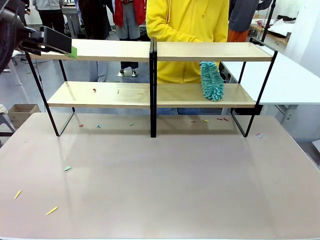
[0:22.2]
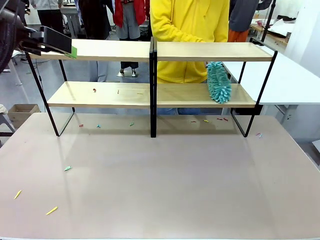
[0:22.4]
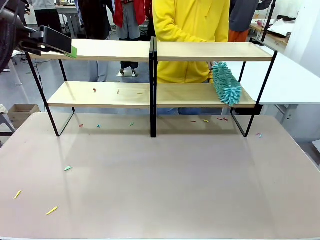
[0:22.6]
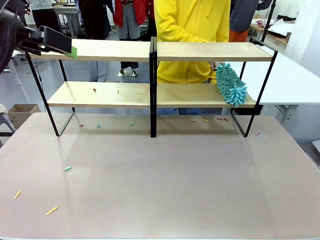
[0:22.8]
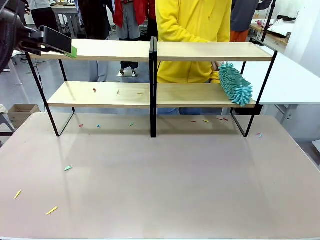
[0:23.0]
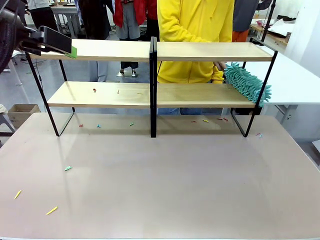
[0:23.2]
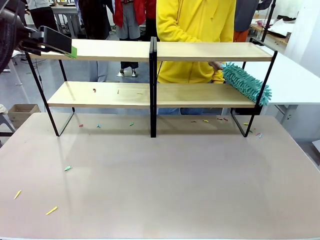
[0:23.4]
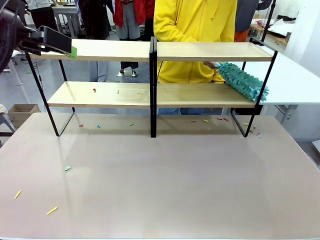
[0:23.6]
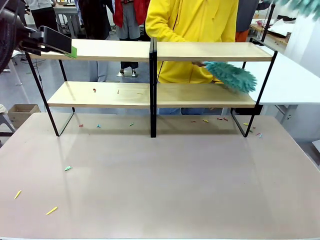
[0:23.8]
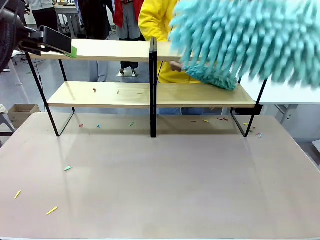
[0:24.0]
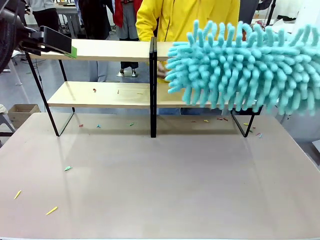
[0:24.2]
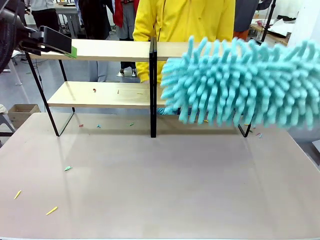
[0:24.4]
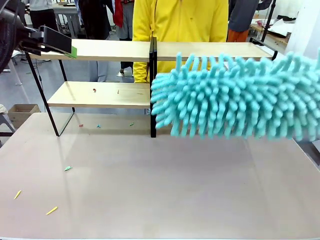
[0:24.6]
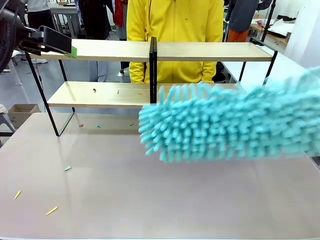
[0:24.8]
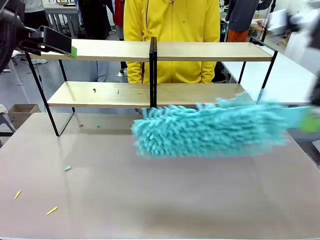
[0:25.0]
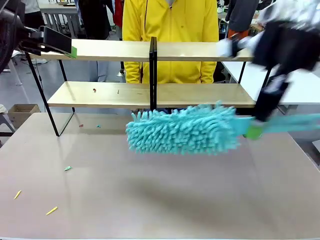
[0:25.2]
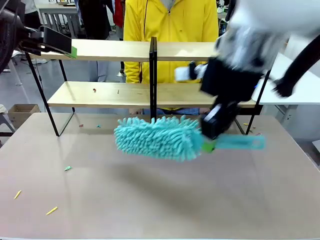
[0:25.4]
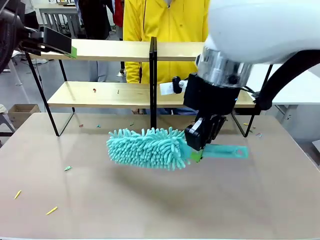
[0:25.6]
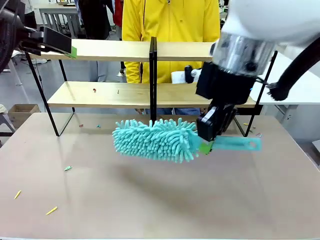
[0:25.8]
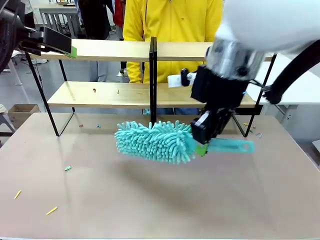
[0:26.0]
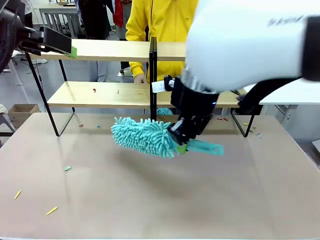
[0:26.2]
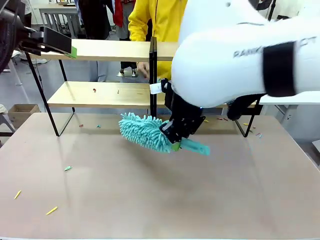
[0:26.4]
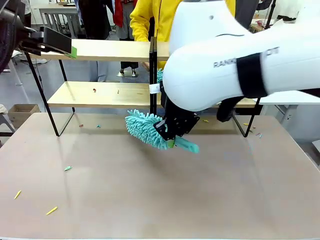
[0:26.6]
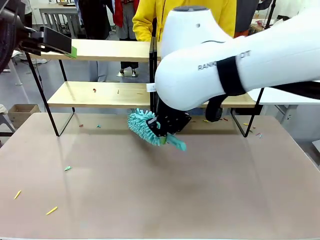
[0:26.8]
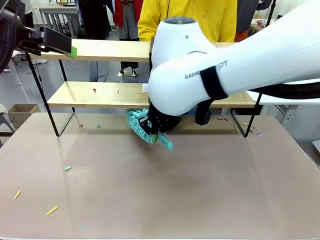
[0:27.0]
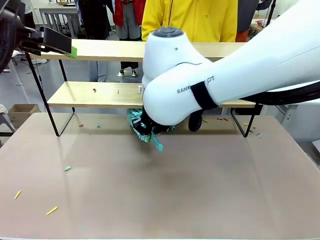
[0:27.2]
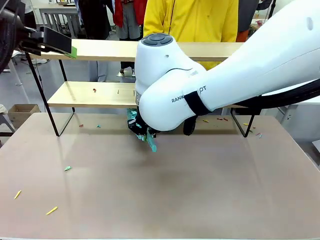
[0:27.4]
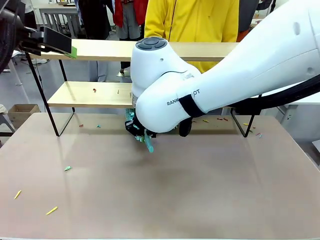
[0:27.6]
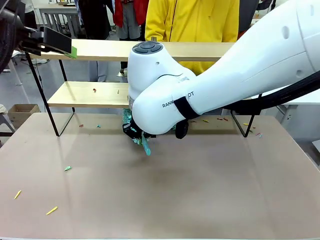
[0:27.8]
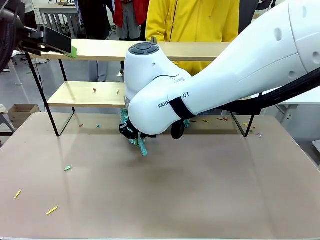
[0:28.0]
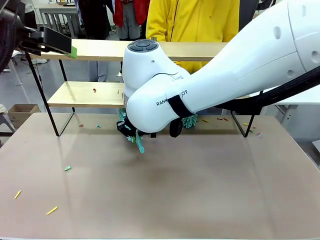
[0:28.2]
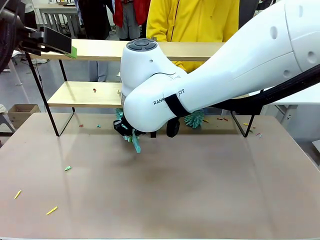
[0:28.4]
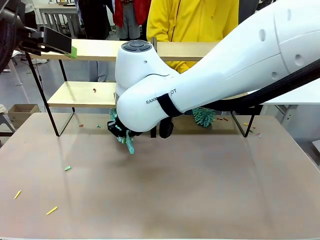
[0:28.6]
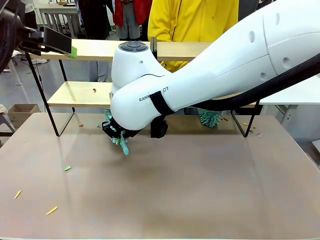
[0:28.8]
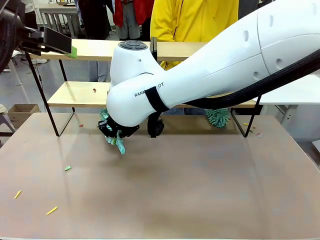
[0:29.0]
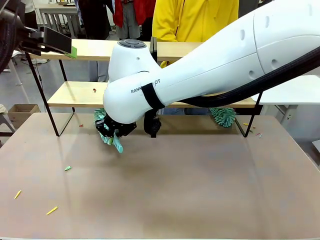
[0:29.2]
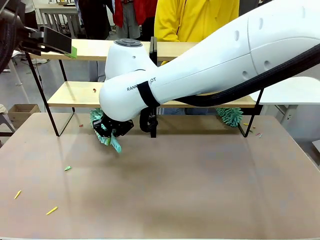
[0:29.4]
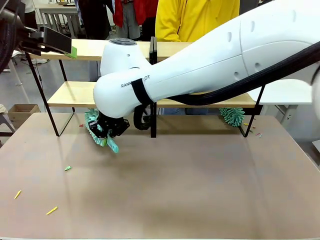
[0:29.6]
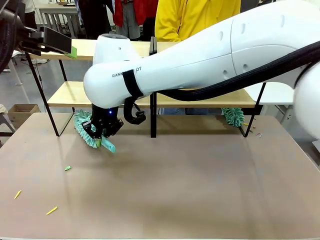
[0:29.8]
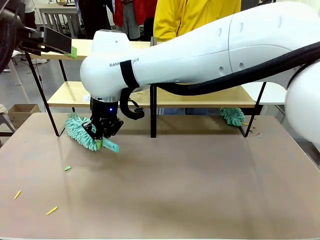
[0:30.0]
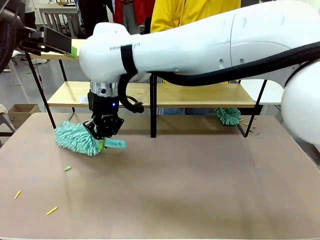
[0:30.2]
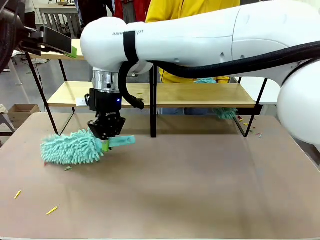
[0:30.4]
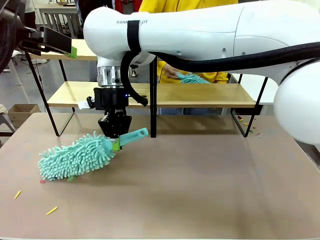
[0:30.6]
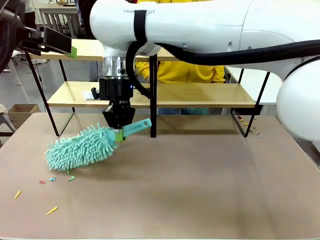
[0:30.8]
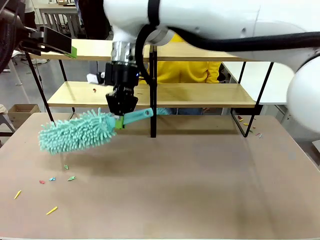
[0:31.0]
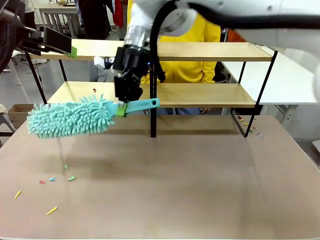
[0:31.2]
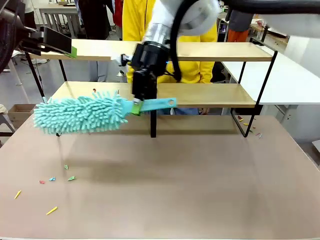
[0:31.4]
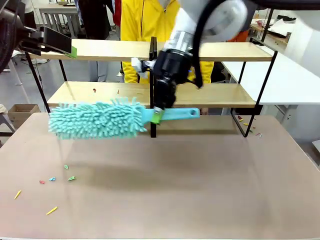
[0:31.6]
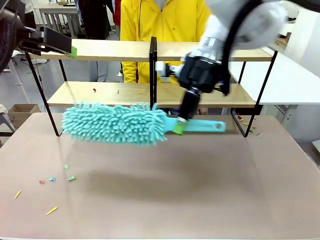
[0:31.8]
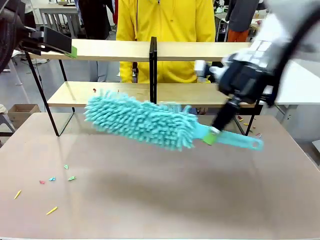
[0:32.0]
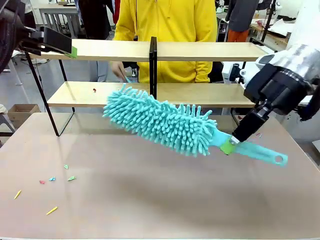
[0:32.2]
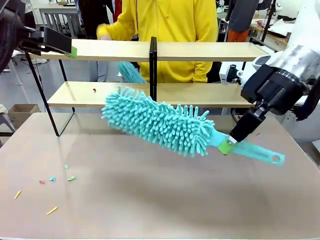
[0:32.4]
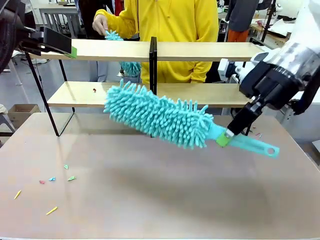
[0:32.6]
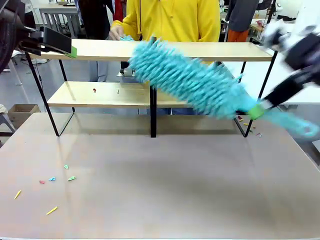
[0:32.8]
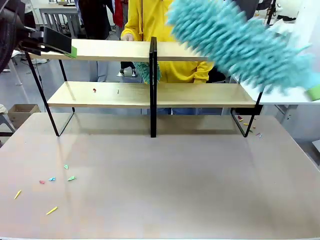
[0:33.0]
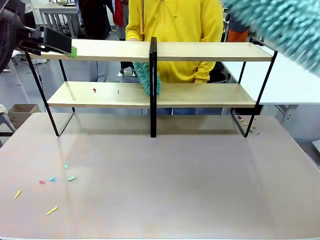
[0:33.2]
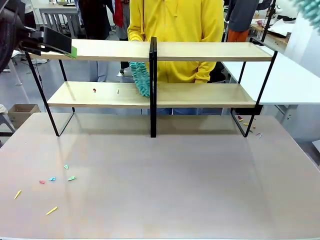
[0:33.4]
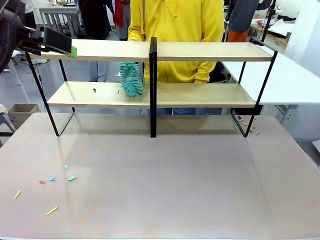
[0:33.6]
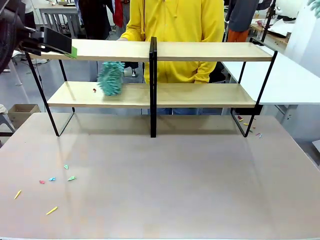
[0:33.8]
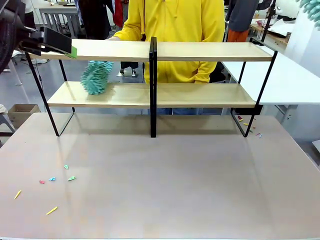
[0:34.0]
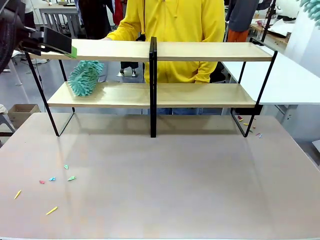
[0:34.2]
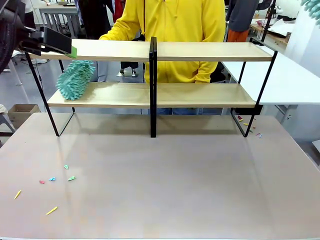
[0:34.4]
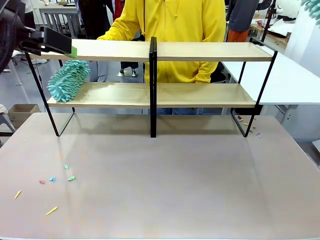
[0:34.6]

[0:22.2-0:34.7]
Task: Clean the shelves.
Robot: Clean another randomly selected level of the Shelf with the Duster.

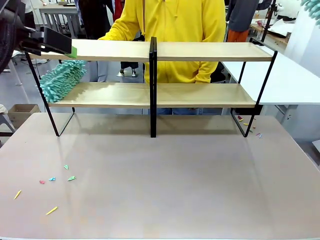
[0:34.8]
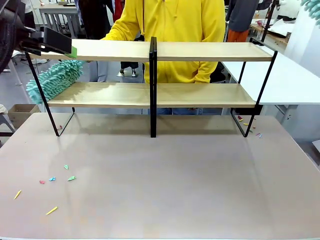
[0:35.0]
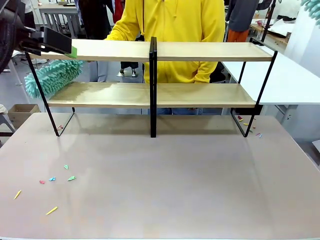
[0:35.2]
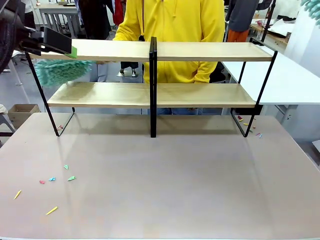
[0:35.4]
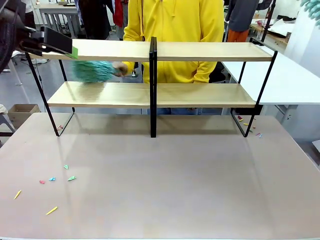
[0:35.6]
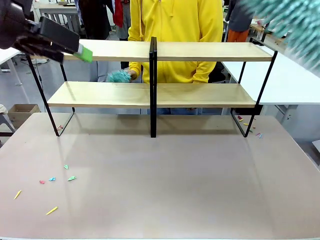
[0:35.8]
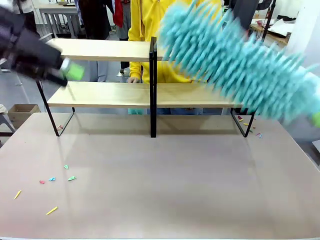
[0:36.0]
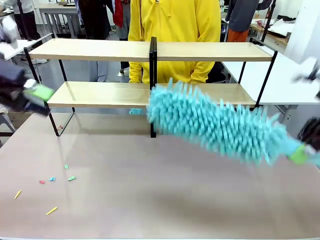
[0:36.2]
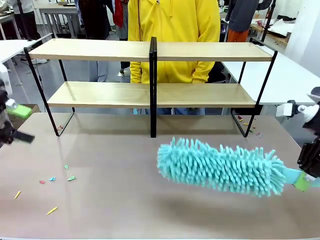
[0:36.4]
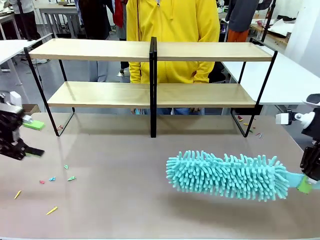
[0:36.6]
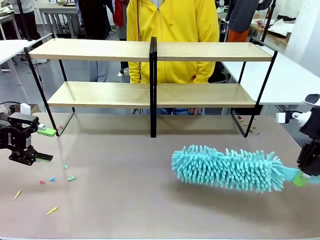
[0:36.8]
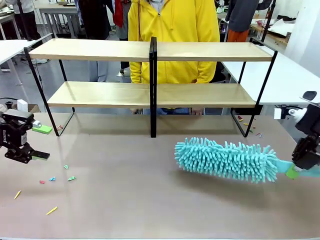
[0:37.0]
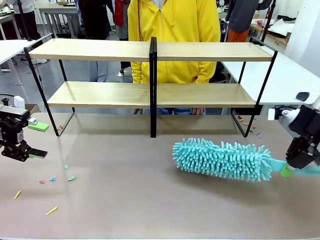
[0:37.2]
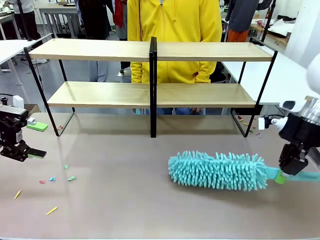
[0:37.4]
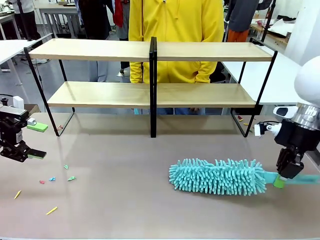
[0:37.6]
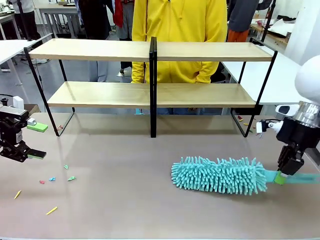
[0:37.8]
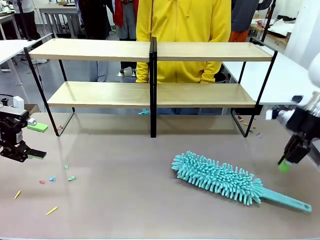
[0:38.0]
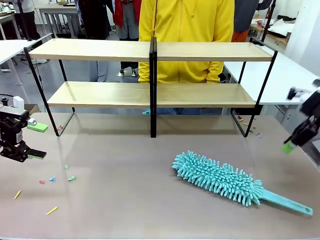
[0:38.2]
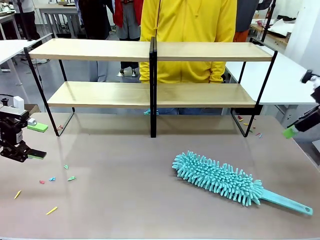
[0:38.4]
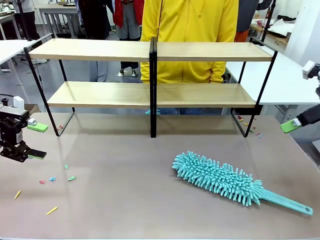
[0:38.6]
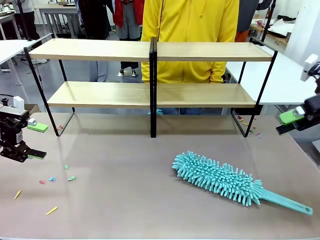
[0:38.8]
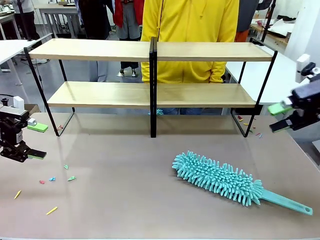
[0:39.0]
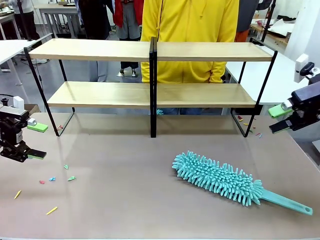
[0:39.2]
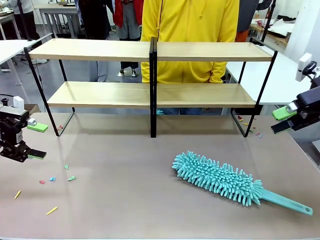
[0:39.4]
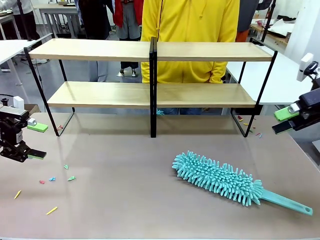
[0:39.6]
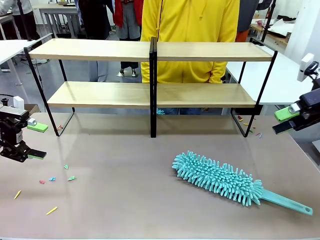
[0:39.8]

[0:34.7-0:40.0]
Robot: Place the Duster on the table.
